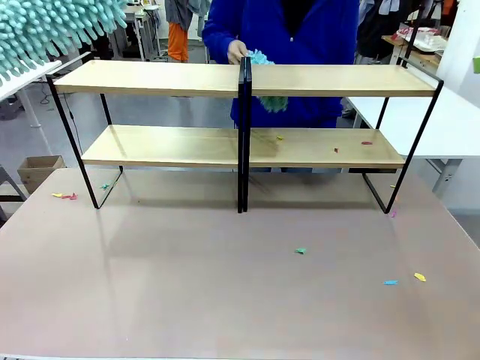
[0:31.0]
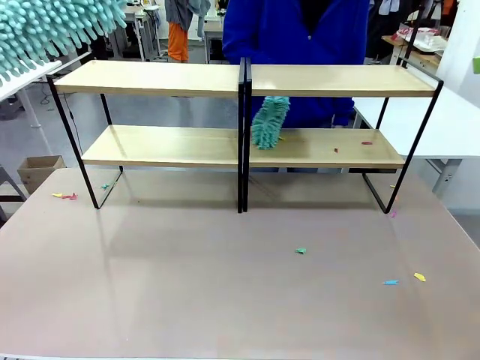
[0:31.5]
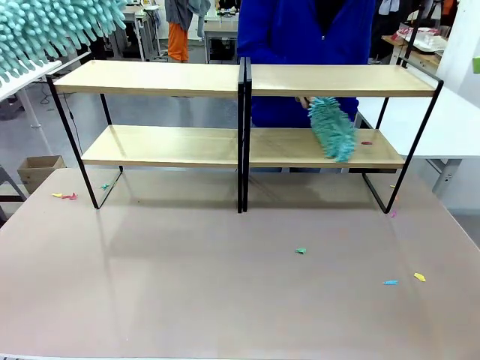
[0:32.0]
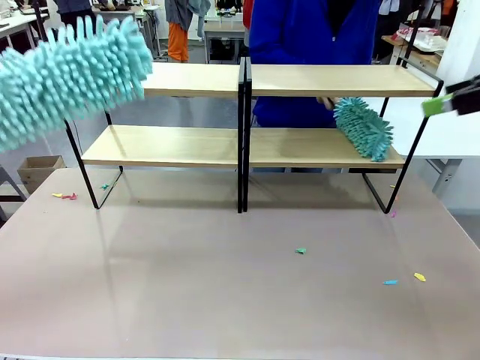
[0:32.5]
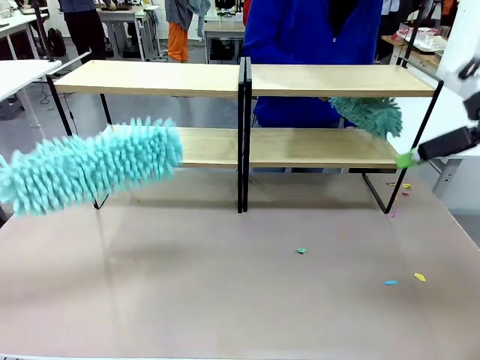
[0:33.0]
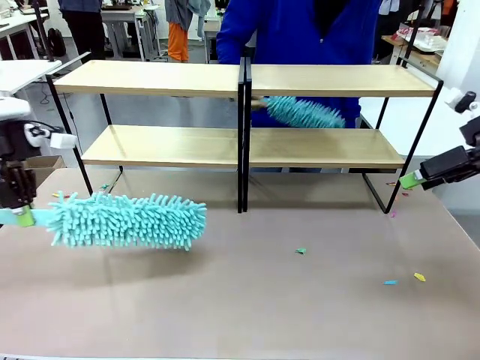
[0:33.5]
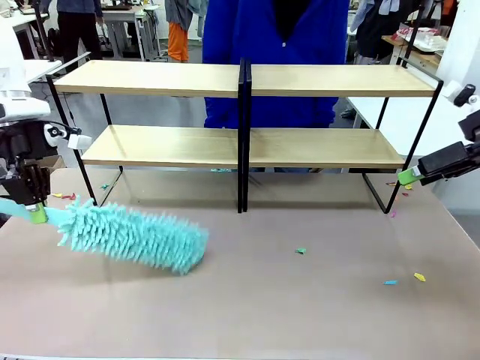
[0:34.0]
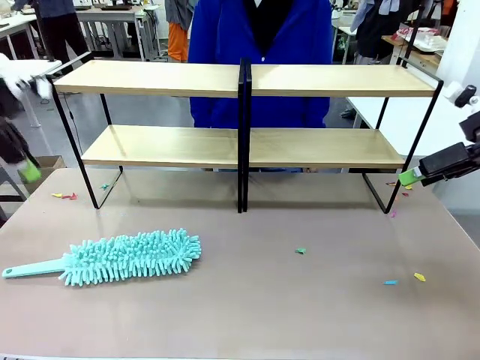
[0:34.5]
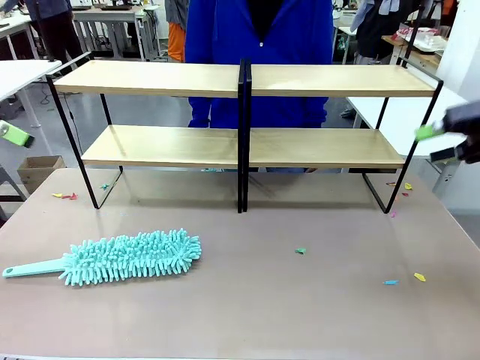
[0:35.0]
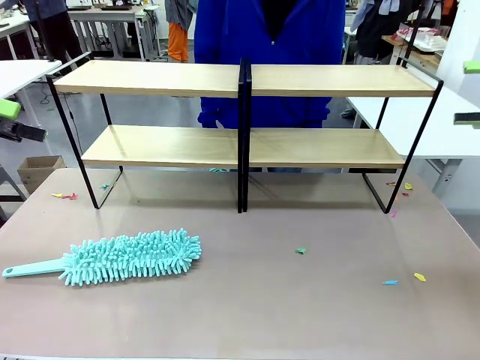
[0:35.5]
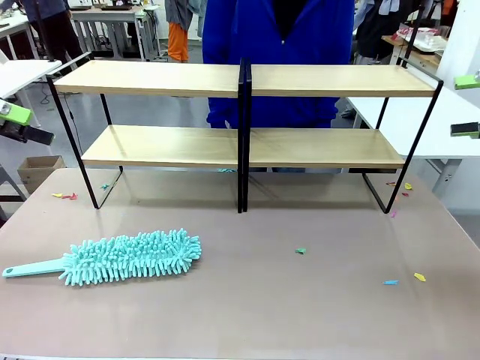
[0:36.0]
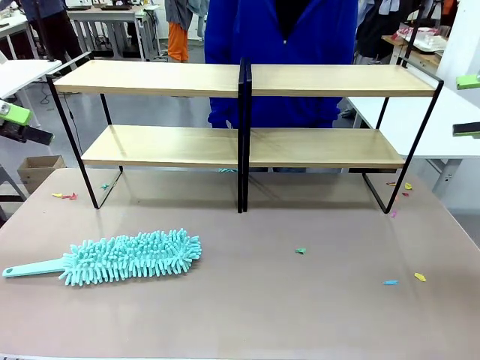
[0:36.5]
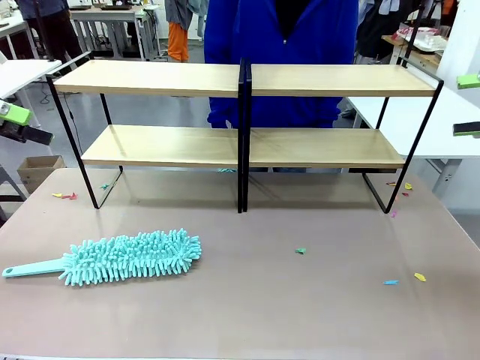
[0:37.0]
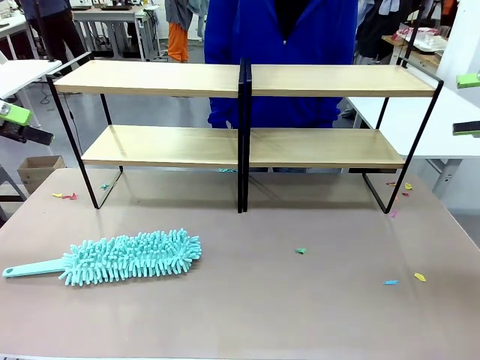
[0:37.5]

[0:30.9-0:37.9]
Task: Clean the shelves.
Robot: Place the Duster on the table.

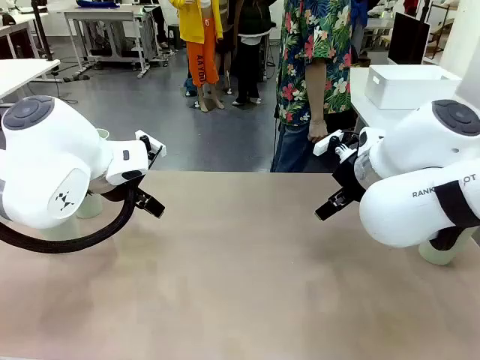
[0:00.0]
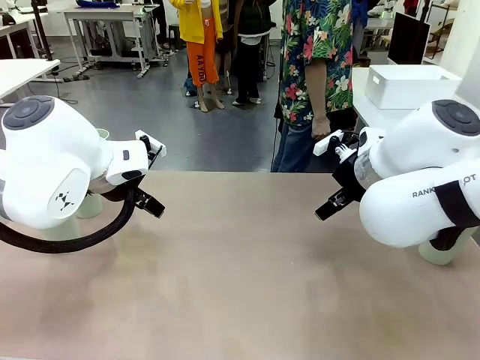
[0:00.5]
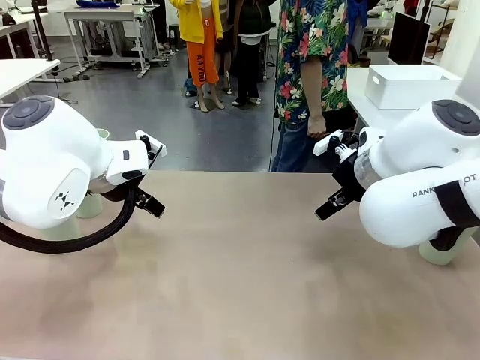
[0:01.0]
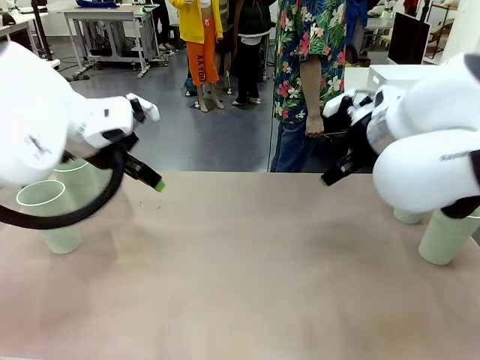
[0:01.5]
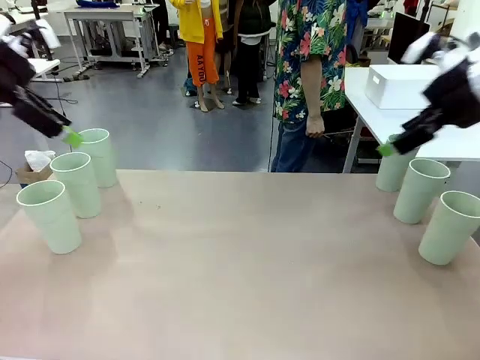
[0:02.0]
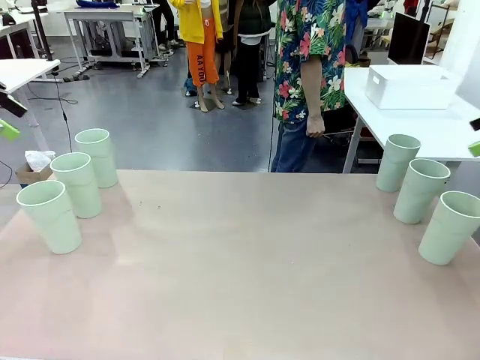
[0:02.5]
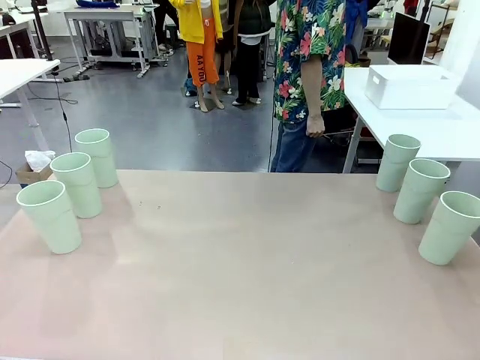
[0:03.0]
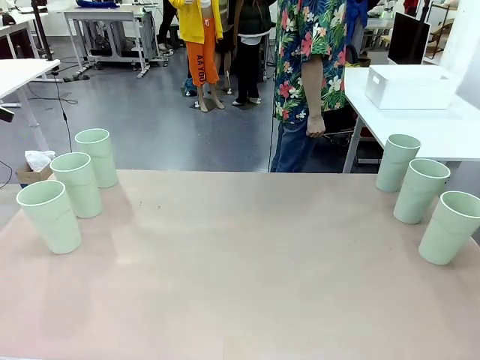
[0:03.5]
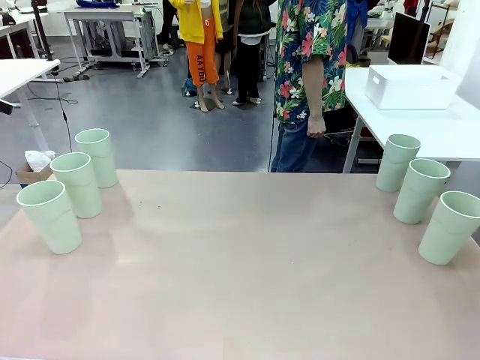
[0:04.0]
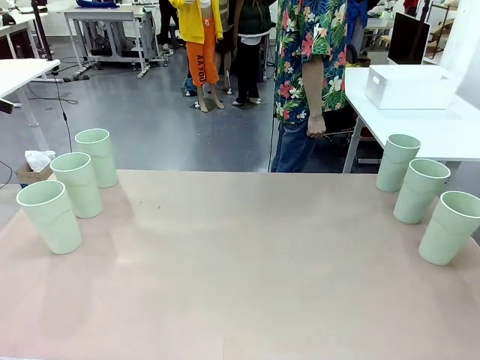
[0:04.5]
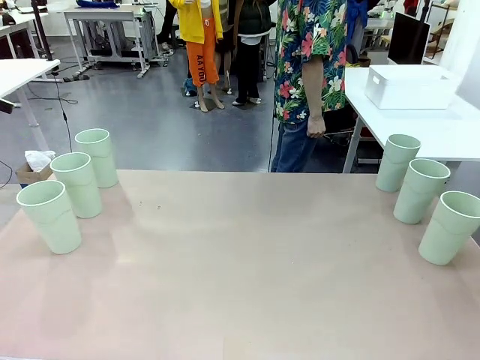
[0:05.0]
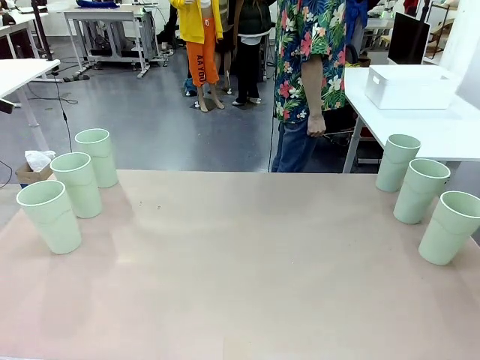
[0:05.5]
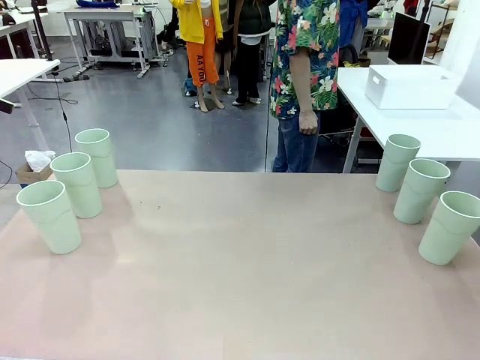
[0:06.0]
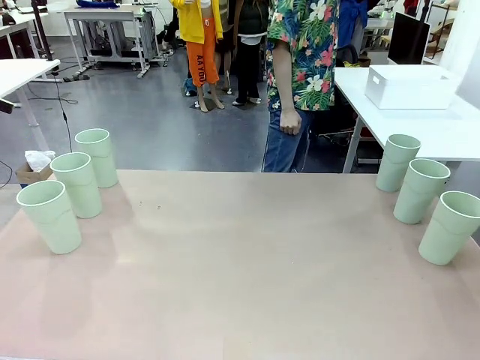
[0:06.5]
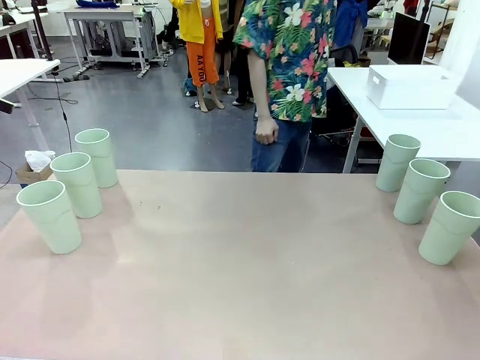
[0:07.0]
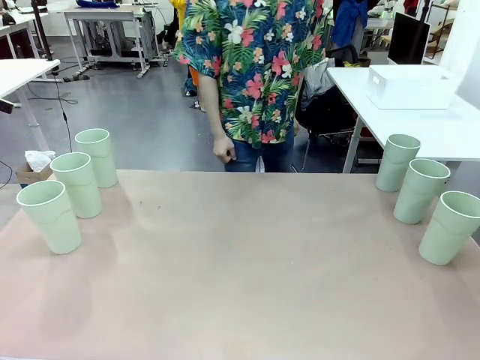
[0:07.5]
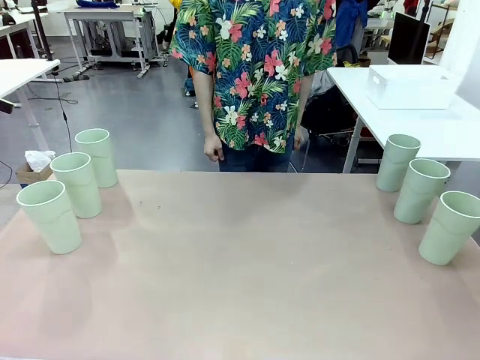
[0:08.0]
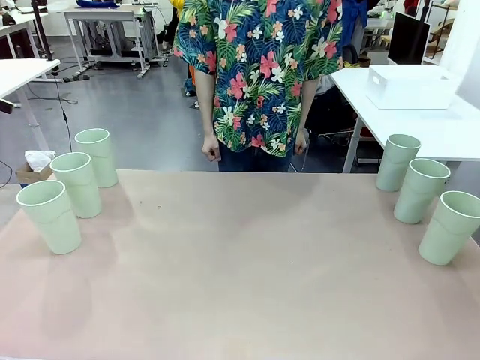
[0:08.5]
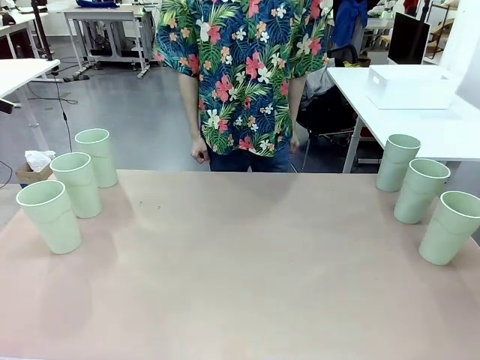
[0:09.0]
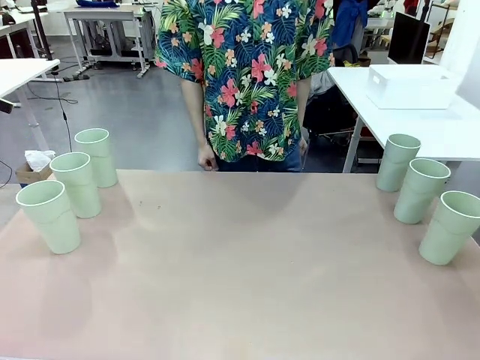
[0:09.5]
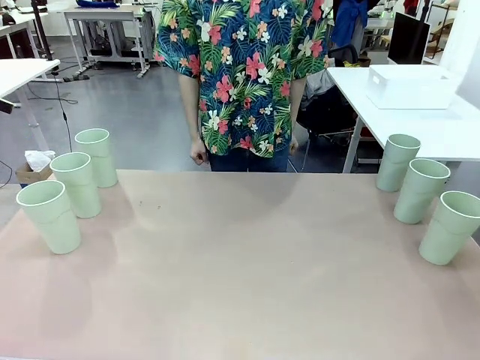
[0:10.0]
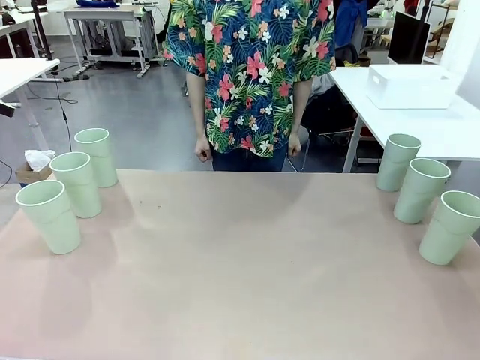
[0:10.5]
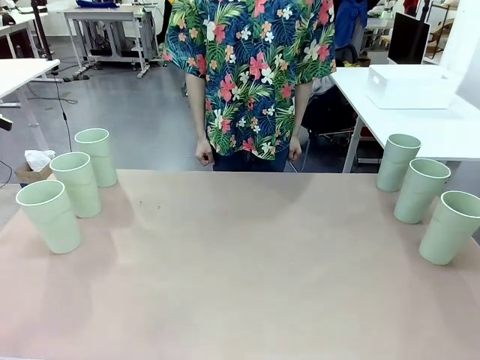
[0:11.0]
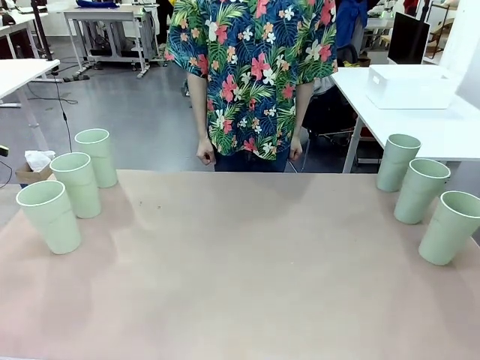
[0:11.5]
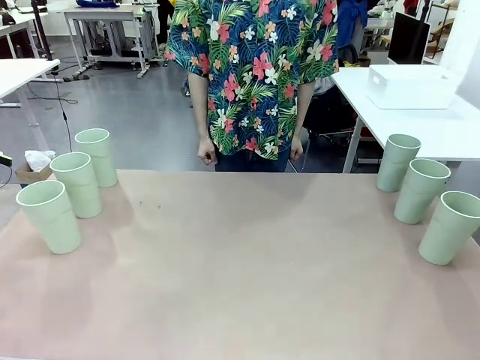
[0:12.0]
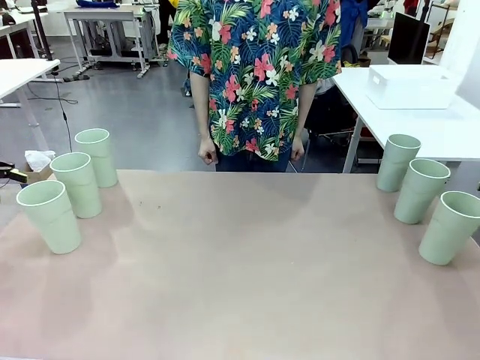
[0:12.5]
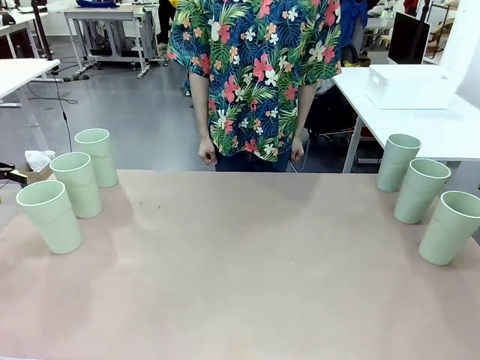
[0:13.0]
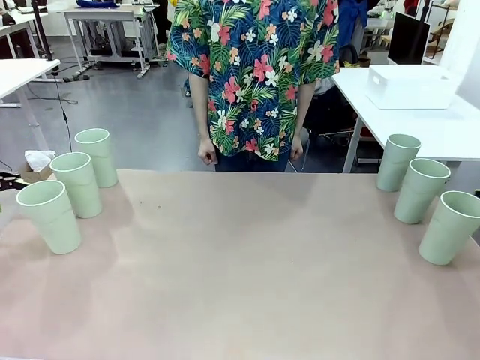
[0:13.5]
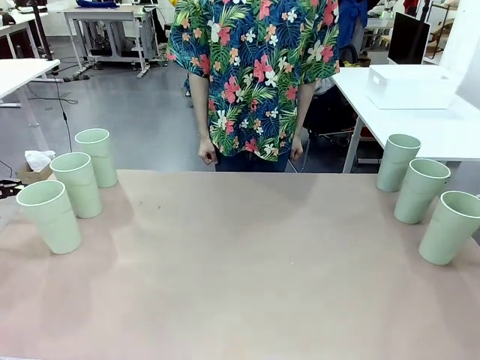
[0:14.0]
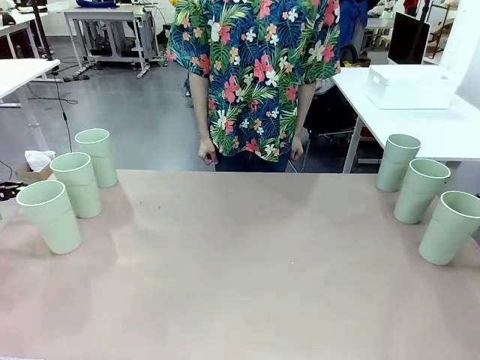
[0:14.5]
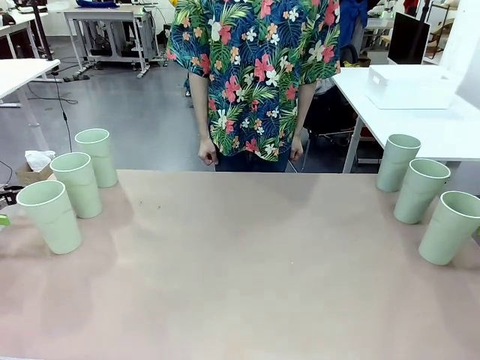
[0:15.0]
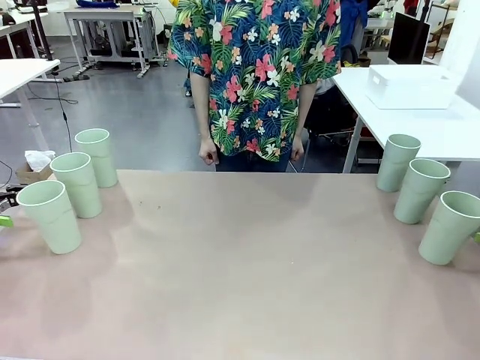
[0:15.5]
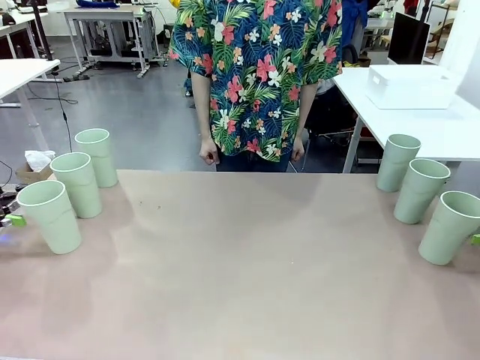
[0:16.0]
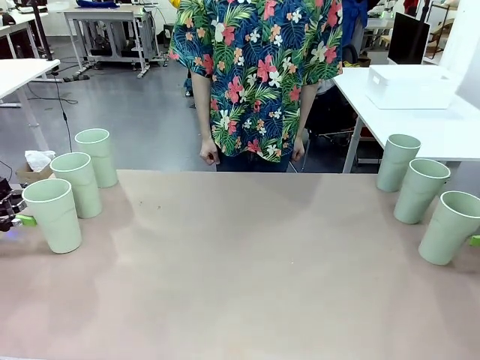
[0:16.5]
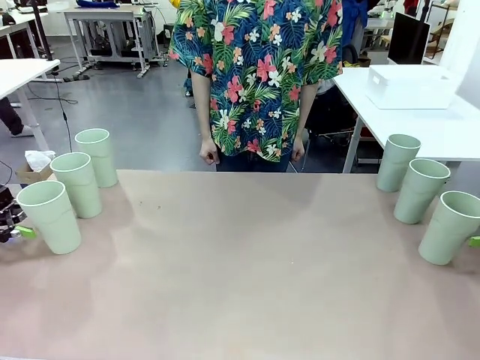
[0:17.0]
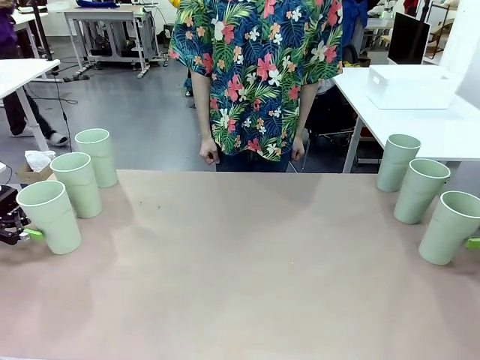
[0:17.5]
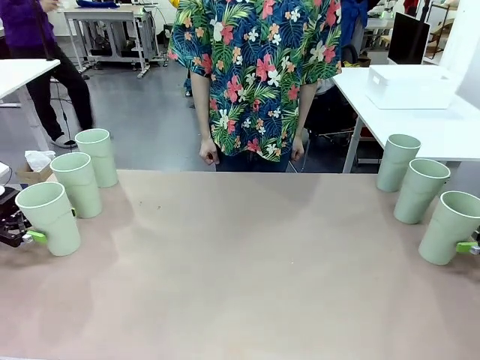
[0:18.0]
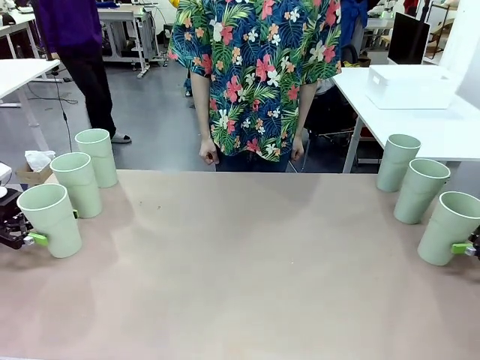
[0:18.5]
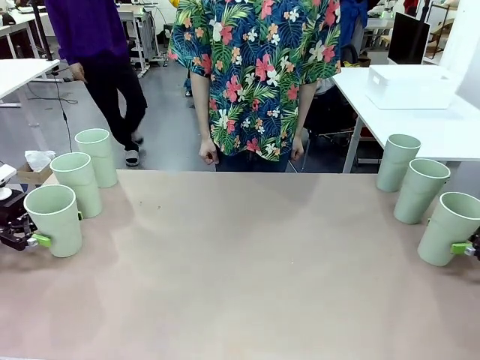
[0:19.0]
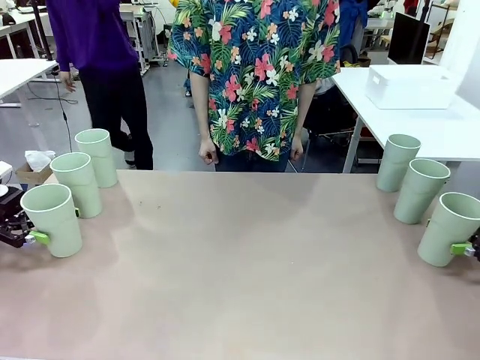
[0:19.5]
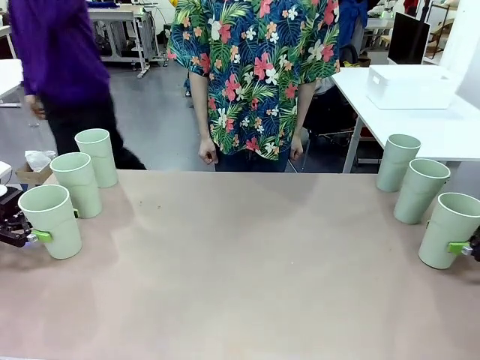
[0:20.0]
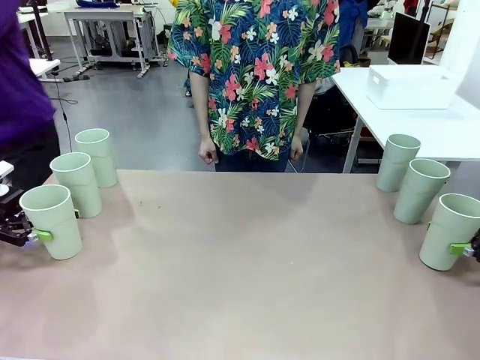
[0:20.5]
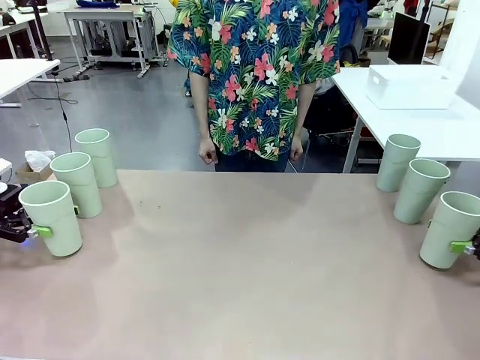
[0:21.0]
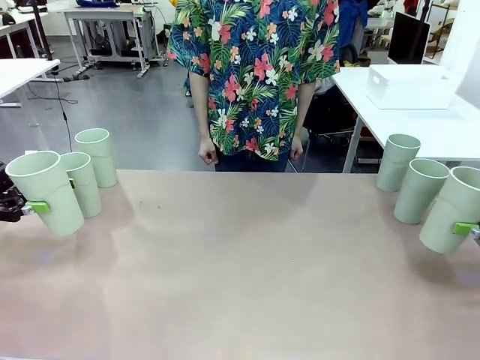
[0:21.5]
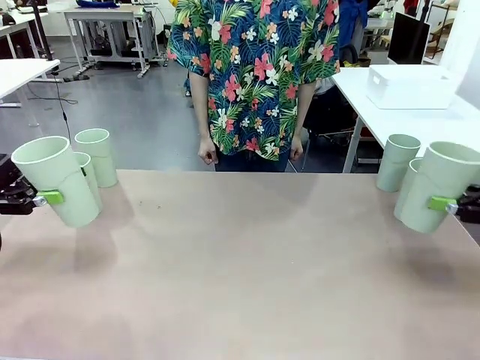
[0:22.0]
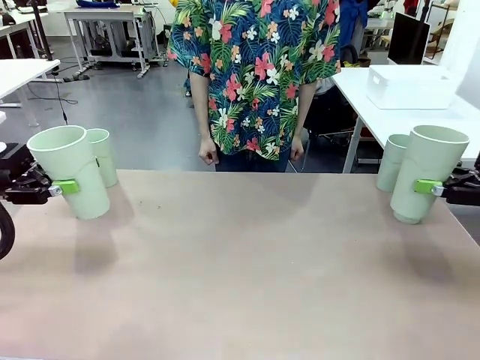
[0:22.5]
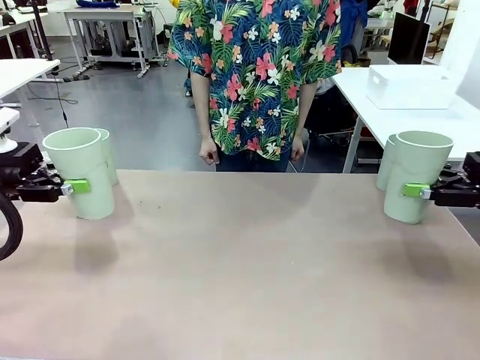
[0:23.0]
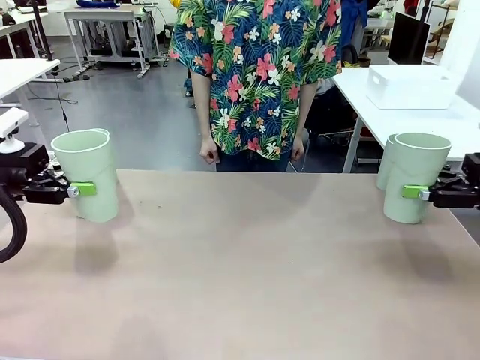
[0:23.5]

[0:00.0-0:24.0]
Task: Stack the cups and store them in the basket.
Robot: Pick up two Reusable plastic cups , one in each hand.
Person: Move from the Human Table to the front of the Robot Table. Stack two of the remaining cups on top of each cup held by the robot.
